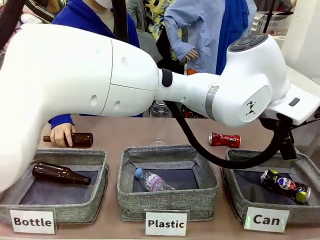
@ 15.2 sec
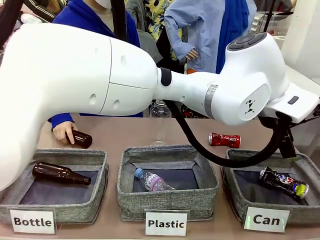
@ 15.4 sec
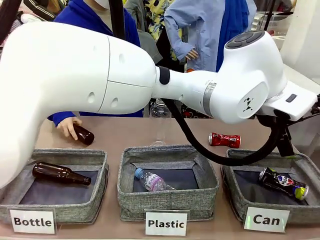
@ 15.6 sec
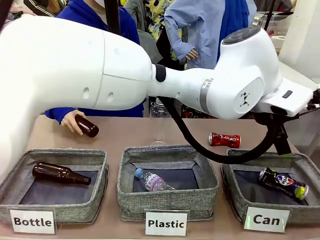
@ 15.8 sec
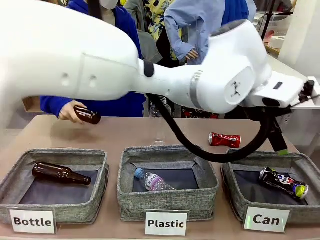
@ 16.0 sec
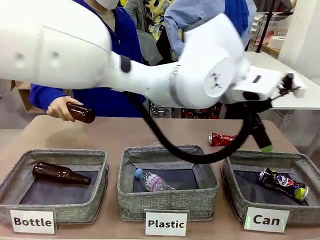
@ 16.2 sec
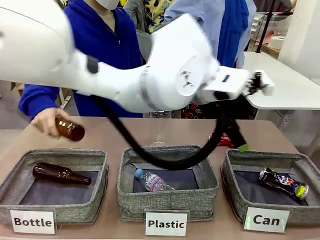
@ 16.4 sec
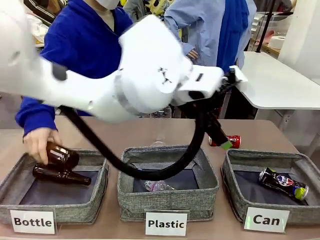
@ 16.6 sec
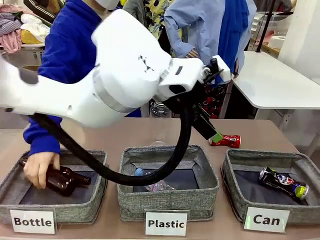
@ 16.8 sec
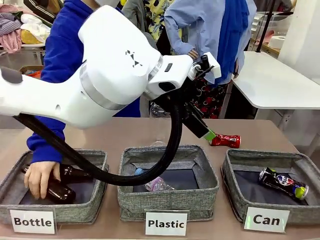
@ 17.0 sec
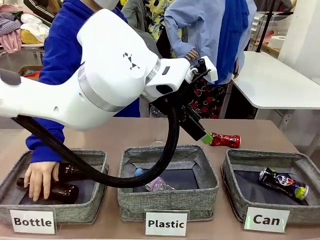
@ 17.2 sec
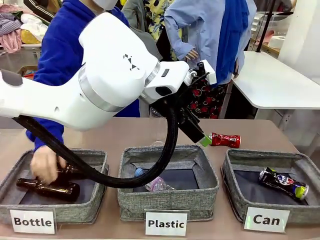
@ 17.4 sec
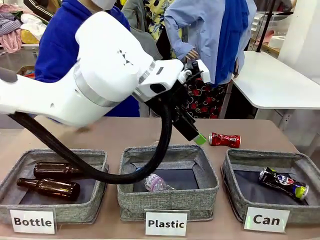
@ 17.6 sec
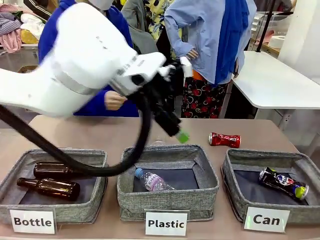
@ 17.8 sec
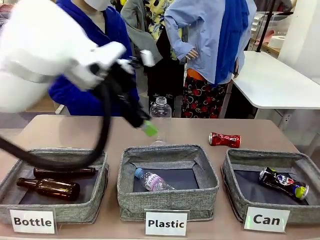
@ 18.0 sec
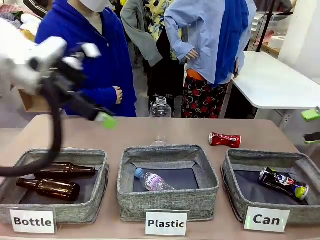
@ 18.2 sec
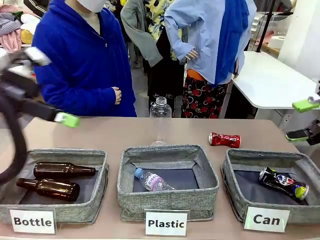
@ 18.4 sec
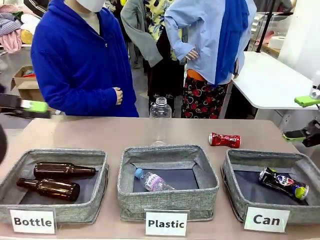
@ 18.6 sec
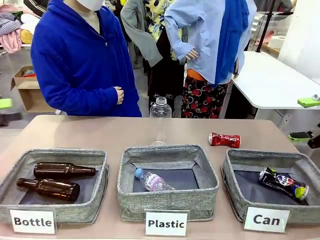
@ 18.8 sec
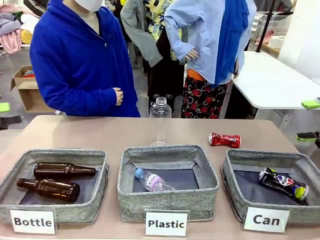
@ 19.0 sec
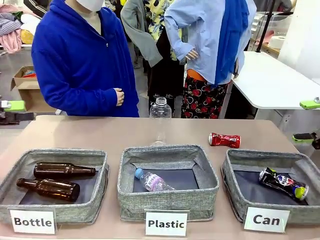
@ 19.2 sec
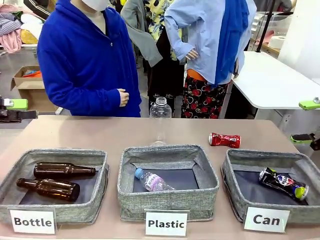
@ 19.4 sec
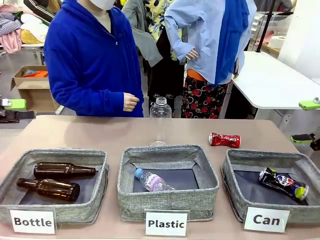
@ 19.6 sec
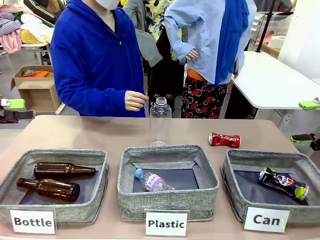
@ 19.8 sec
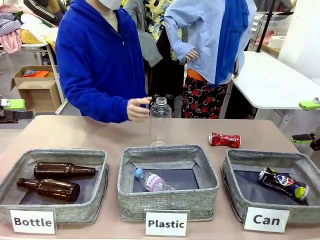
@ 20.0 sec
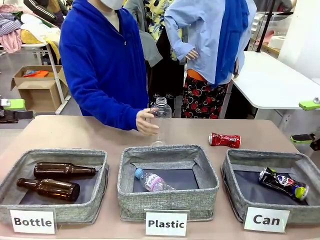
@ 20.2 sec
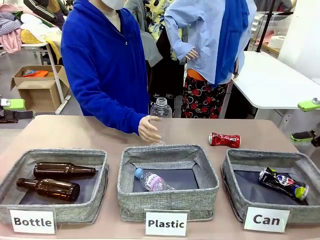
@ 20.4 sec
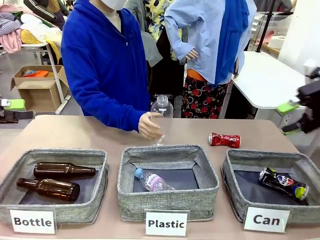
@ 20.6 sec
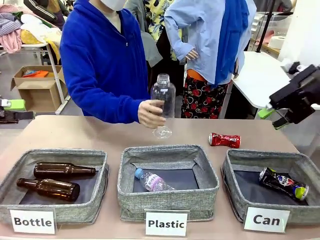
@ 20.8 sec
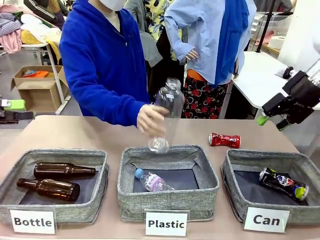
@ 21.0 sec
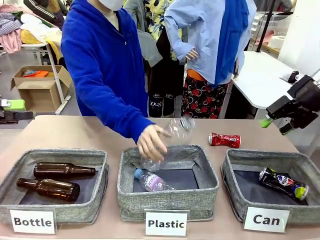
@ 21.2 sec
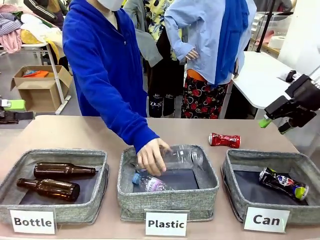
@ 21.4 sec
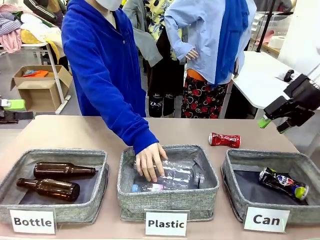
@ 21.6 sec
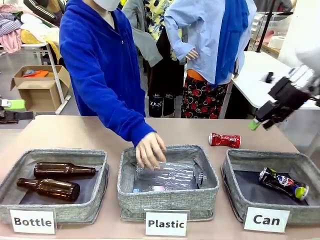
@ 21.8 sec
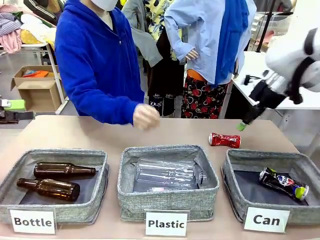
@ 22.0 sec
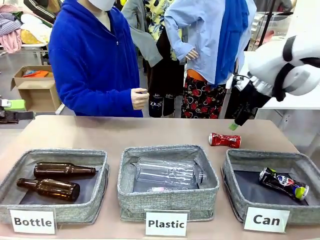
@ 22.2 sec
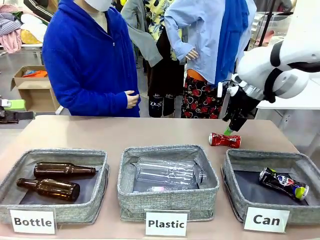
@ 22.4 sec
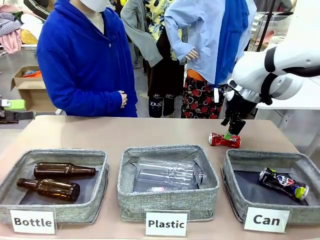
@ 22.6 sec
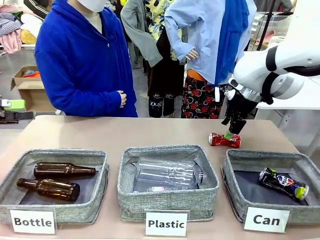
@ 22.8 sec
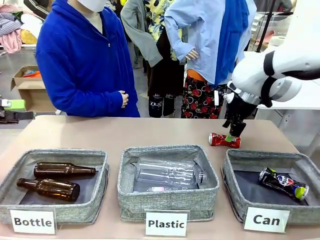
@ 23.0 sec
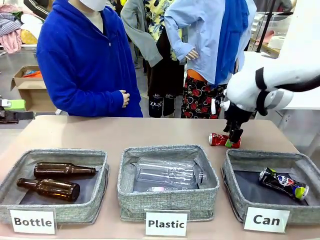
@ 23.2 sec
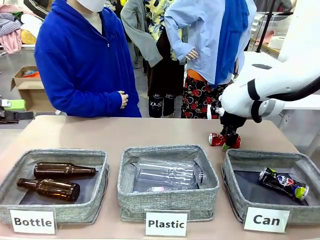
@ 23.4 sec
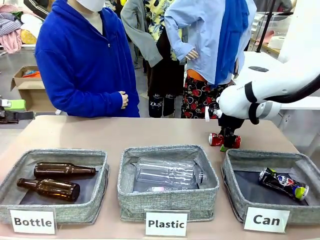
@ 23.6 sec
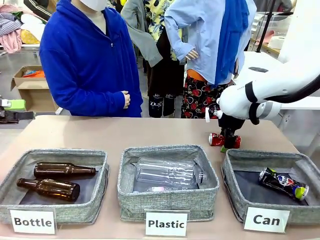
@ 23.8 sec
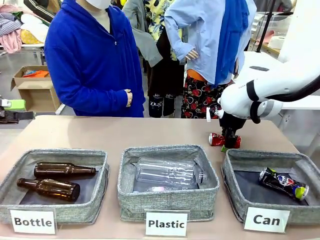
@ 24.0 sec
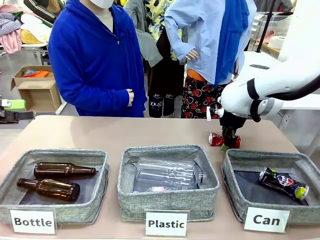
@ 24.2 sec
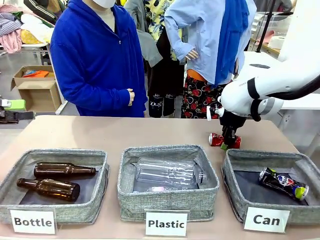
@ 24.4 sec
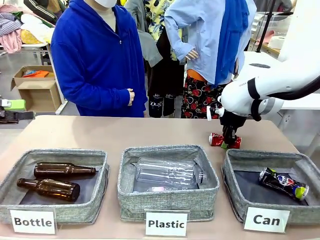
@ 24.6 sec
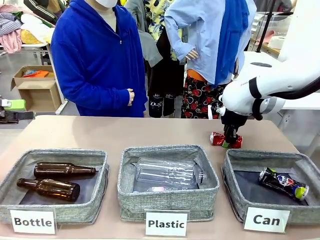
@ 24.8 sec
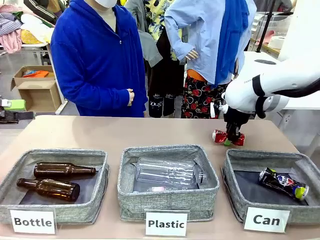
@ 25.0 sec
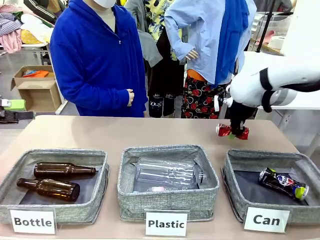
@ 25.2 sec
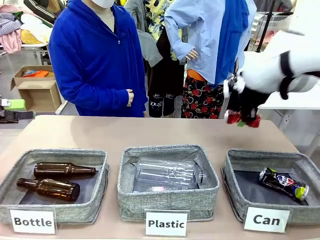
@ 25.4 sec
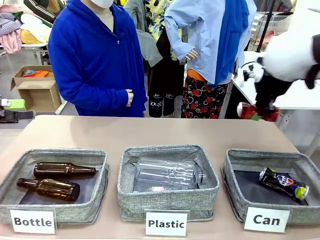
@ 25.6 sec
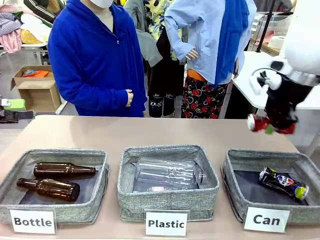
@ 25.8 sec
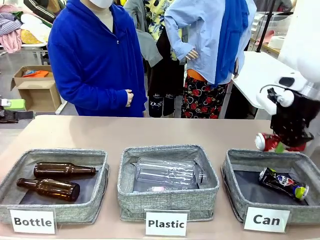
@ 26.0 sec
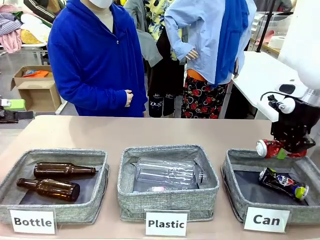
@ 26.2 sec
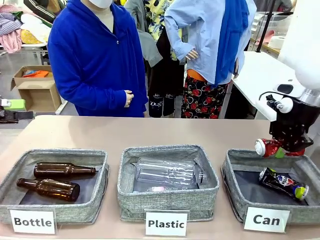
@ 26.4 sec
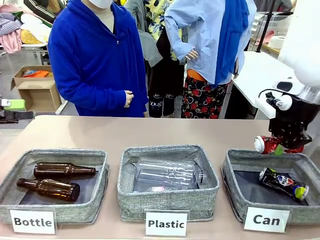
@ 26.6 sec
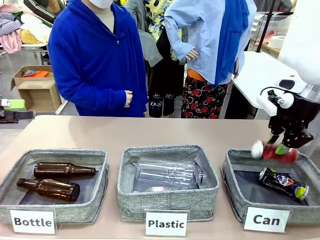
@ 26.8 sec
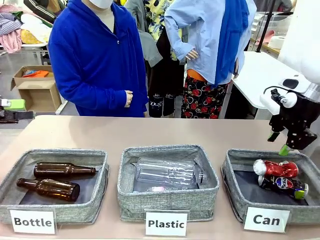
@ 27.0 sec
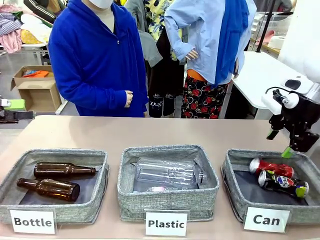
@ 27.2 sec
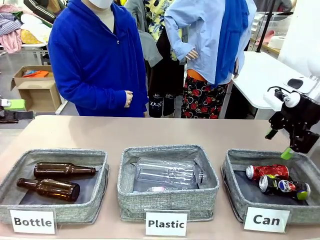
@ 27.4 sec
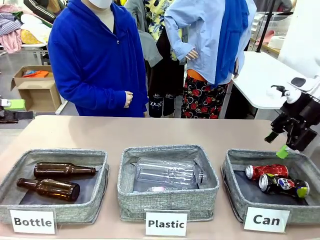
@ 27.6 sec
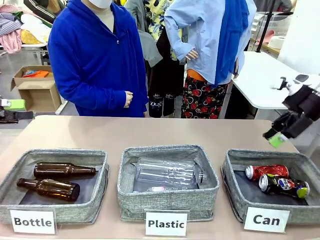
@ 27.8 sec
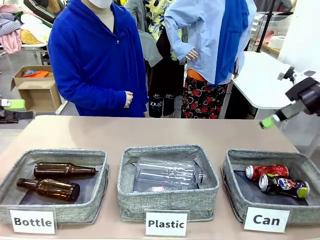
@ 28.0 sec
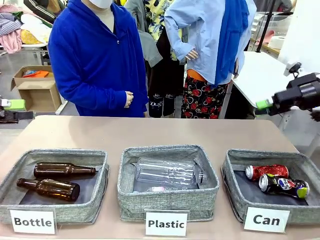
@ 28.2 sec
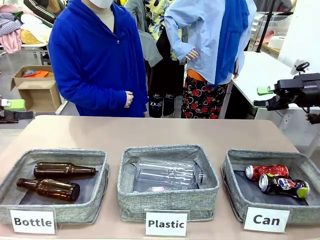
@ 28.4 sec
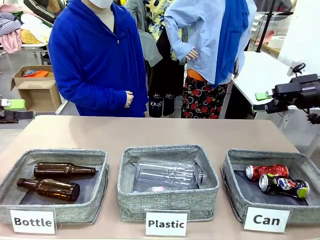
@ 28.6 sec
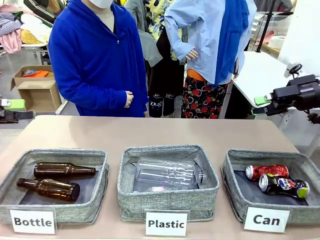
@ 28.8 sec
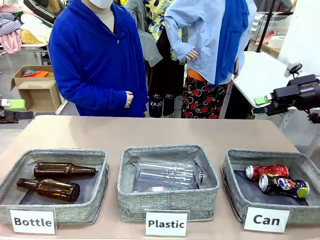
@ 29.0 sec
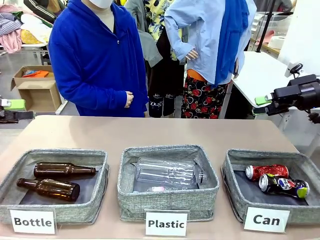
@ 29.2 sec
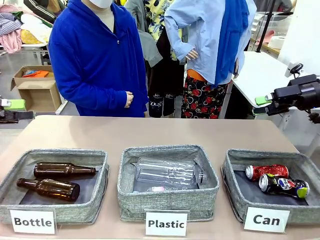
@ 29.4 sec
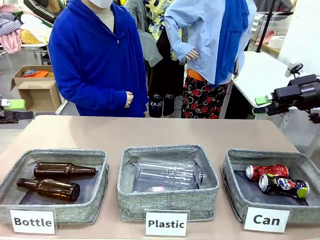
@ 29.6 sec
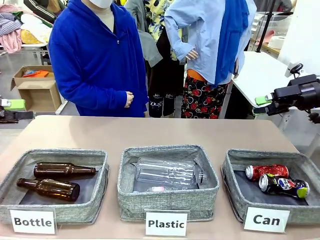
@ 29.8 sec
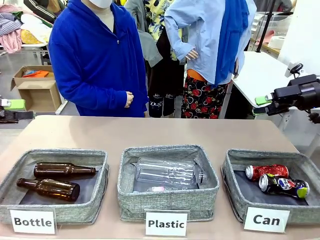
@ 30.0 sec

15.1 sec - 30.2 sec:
Task: Sort the can waste into the basket.
Robot: Pick up the can waste from the table and place it in the right Fabric basket.
